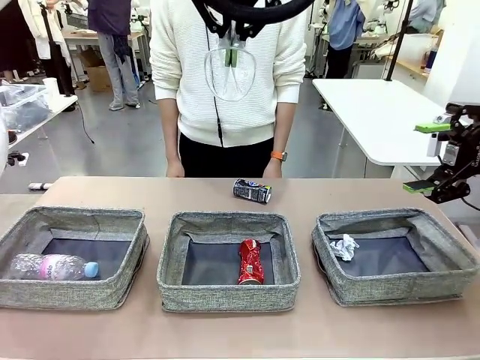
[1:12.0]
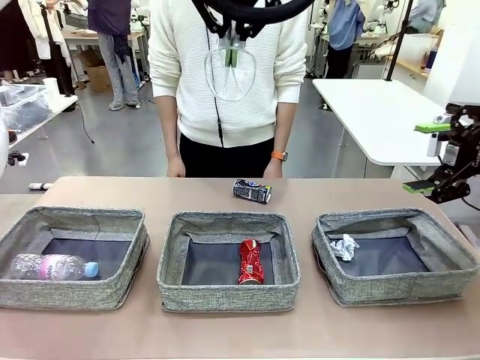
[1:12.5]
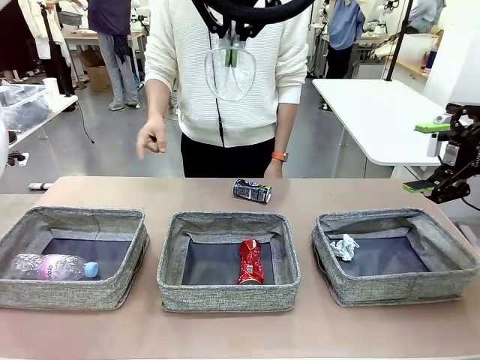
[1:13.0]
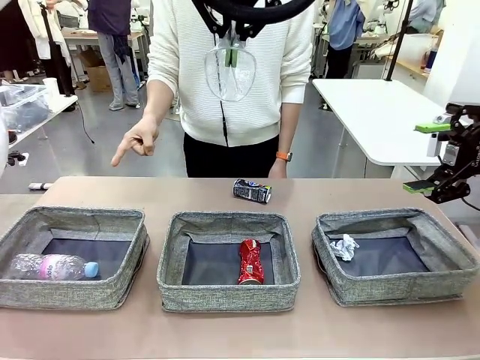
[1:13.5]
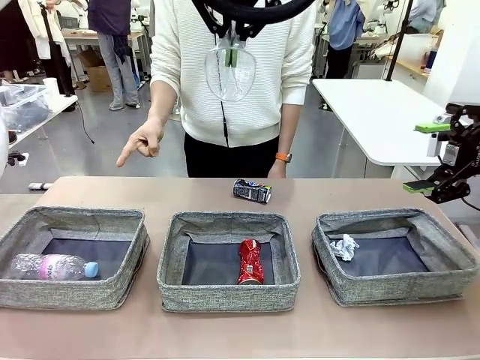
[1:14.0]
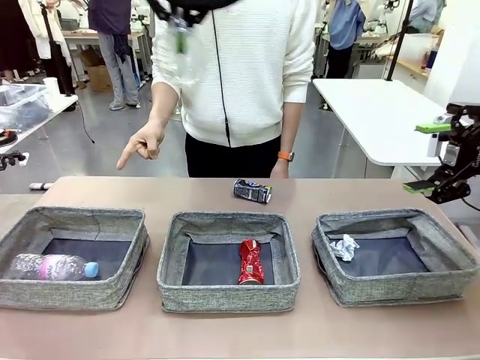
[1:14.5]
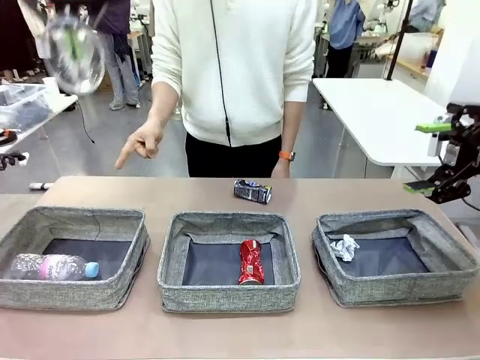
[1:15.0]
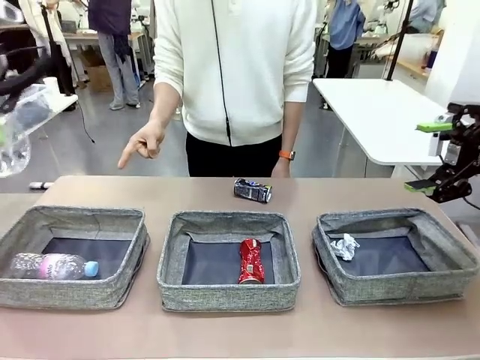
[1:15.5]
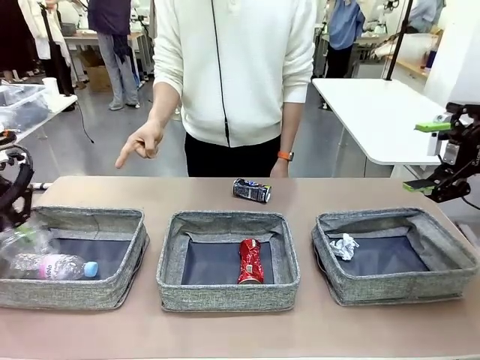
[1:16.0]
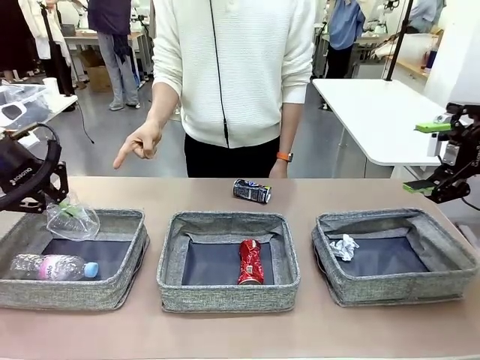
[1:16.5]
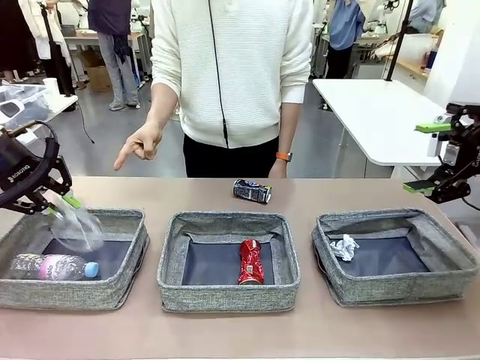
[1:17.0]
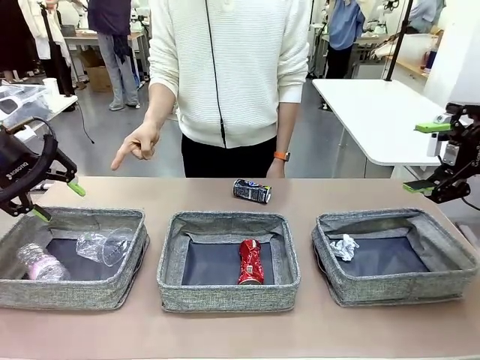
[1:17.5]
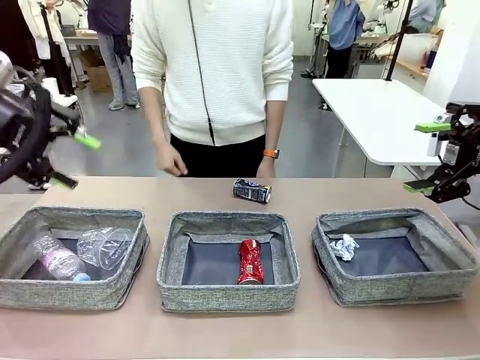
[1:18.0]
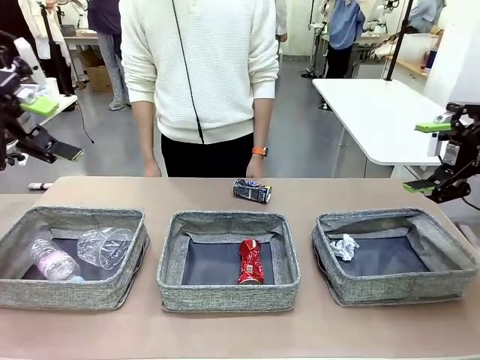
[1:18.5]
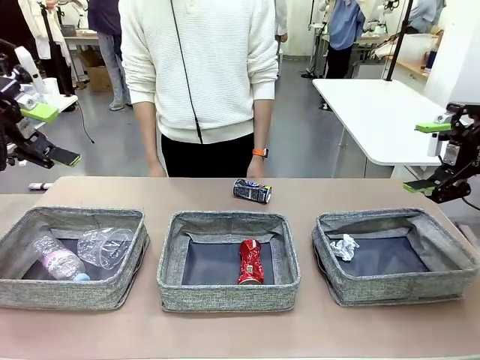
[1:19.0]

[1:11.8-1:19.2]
Task: Sort the waste into the appropriate baskets.
Robot: Place the picked waste into the Fabric basket indicated by the person.
Person: Instructs the robot to place the picked-up trash into the appropriate organizing basket.

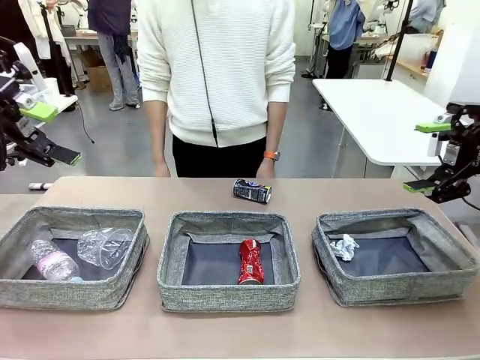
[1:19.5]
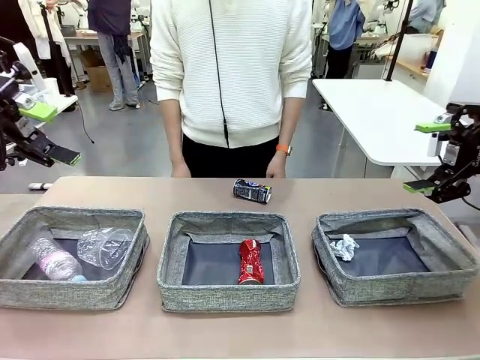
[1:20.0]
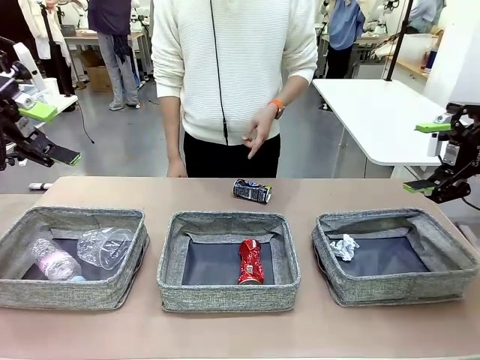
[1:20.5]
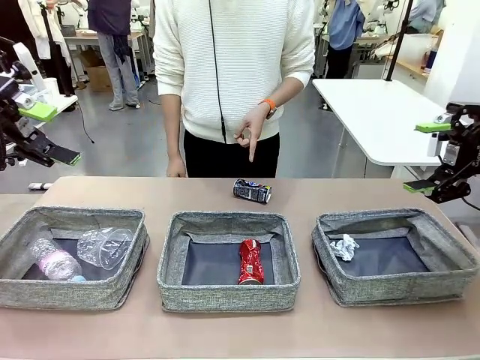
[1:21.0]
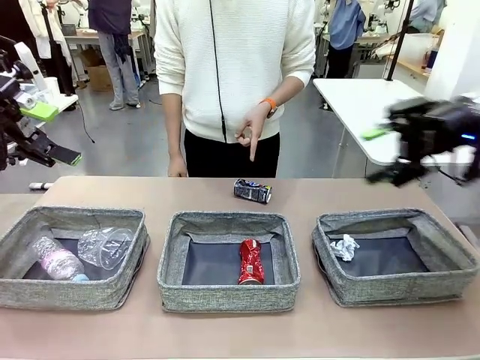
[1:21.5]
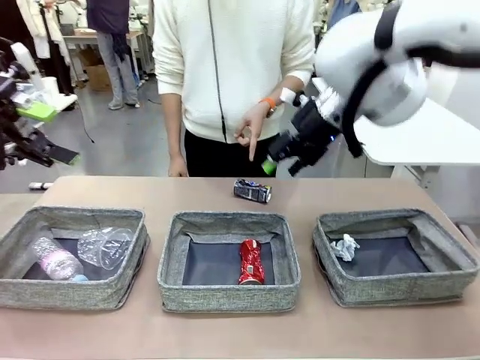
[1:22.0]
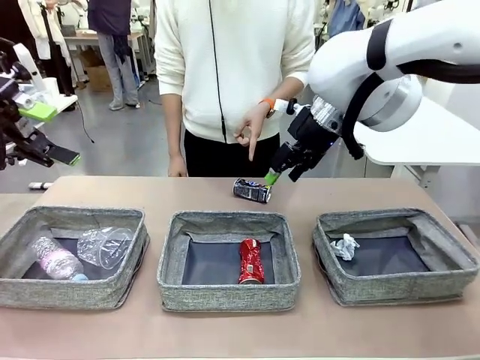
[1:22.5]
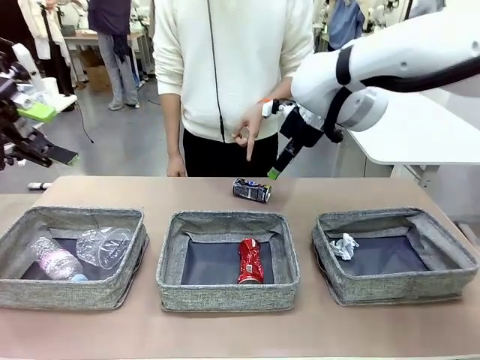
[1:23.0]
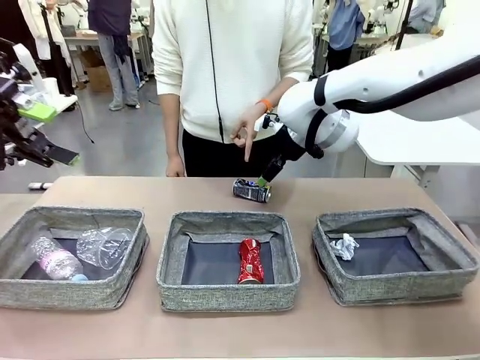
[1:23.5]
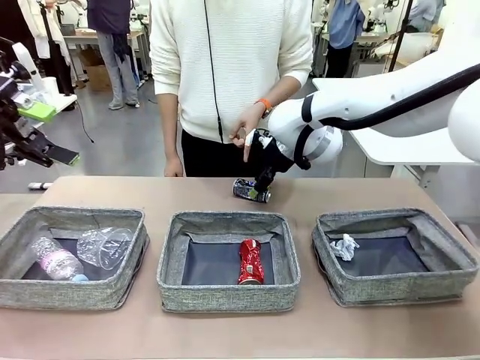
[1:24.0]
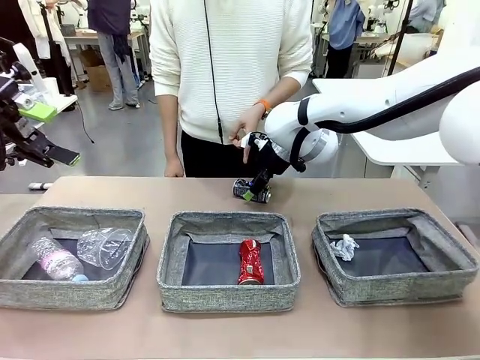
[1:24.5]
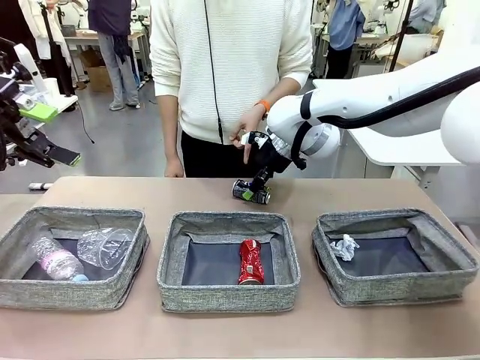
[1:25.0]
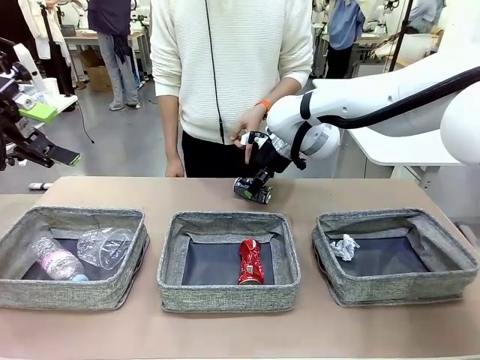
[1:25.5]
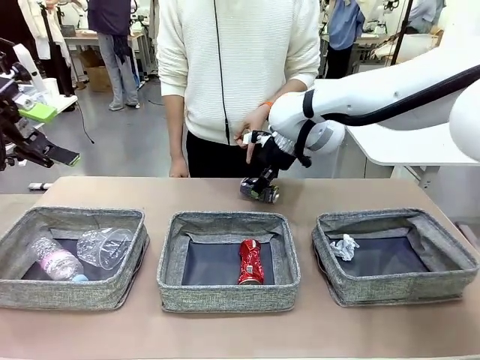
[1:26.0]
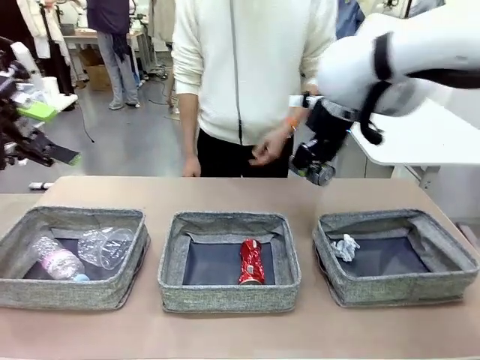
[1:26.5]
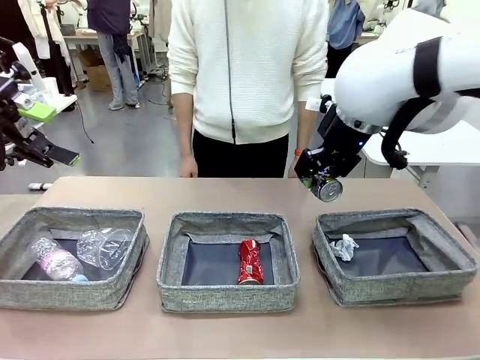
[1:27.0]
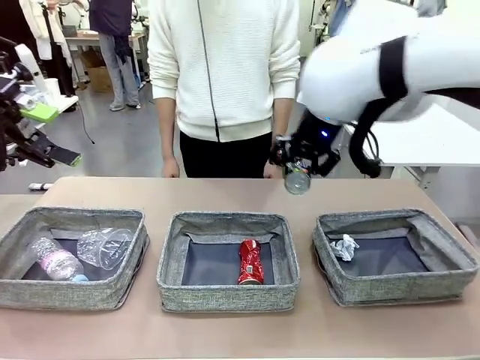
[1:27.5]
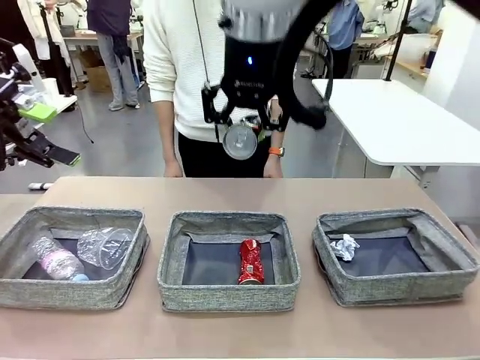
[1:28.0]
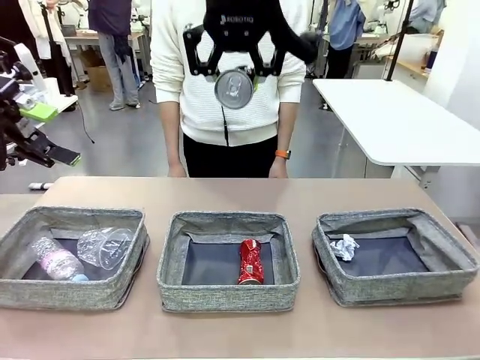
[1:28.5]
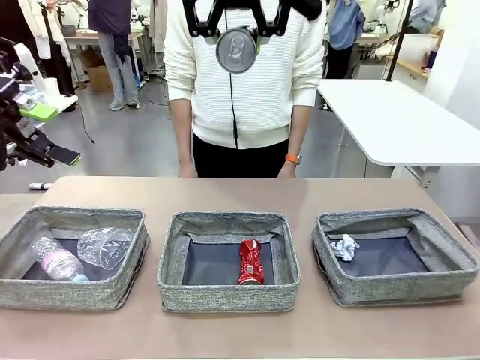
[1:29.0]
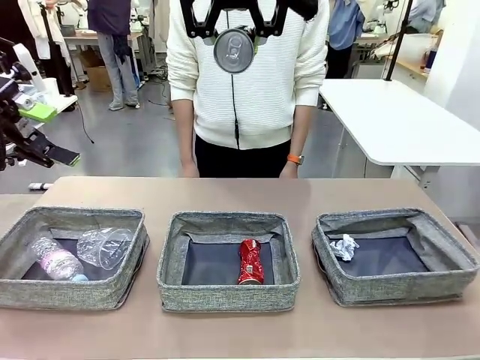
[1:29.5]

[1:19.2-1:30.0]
Robot: Pick up the waste item pointed out by the person.
Person: Points to one piece of trash on the table.

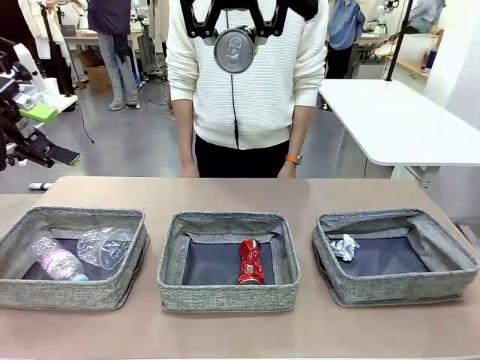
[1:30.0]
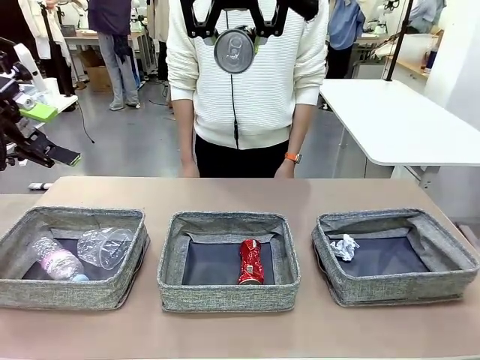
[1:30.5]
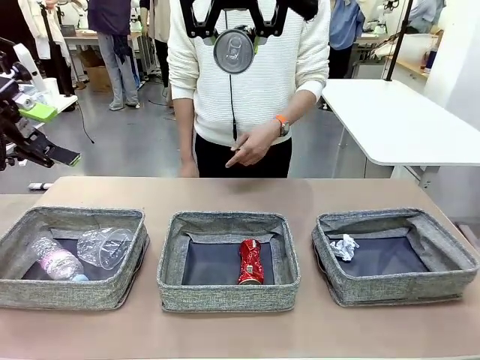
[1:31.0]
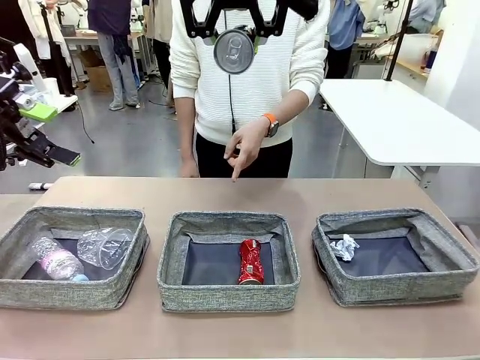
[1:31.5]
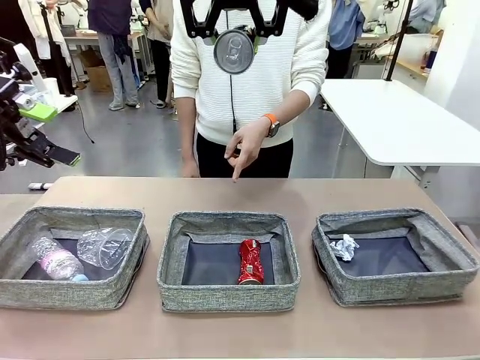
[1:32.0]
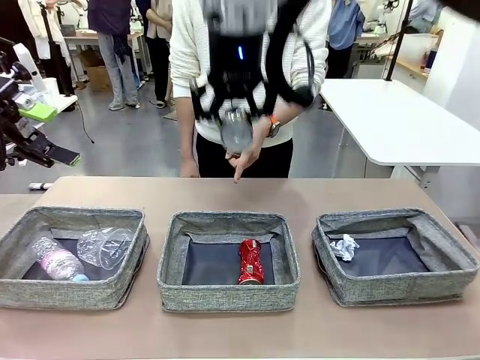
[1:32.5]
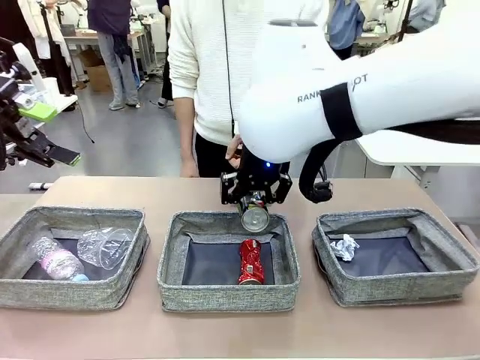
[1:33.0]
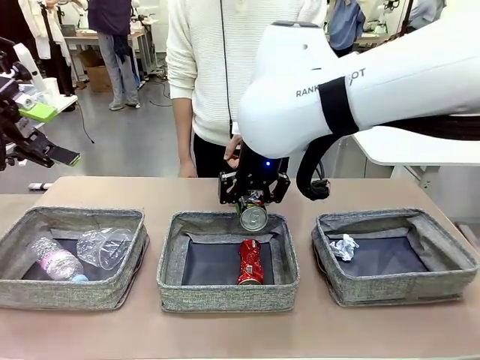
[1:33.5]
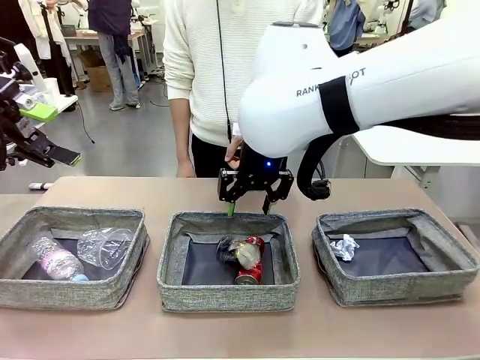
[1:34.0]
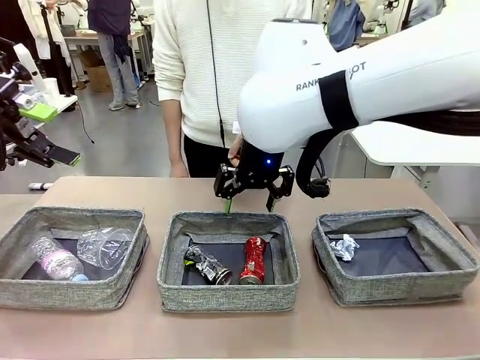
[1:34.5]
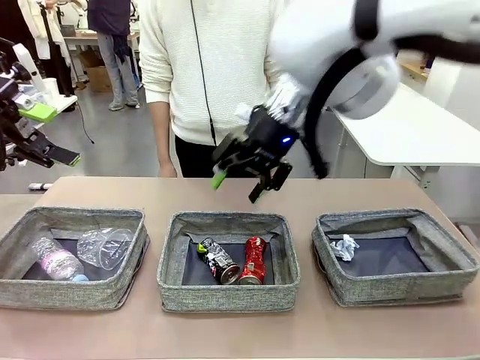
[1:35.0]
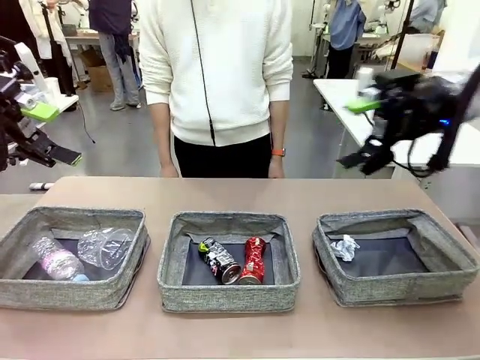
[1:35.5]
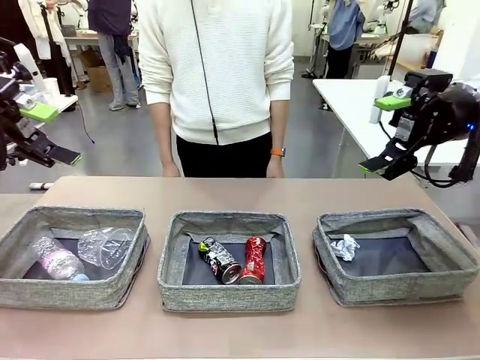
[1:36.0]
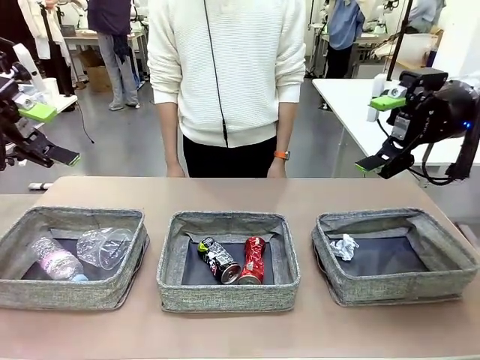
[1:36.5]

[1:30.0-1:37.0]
Robot: Place the picked waste into the Fabric basket indicated by the person.
Person: Instructs the robot to place the picked-up trash into the appropriate organizing basket.
